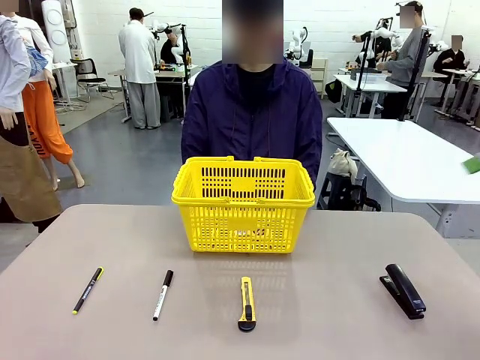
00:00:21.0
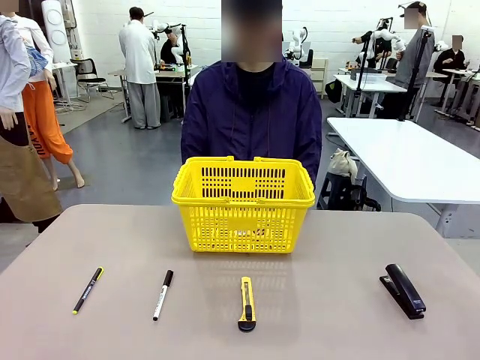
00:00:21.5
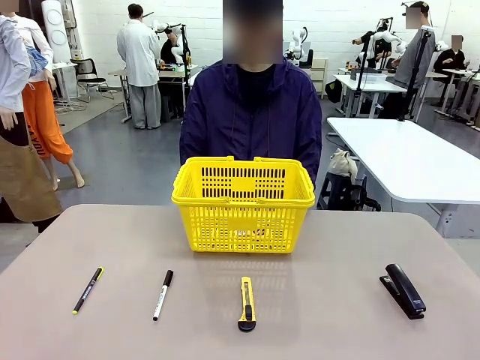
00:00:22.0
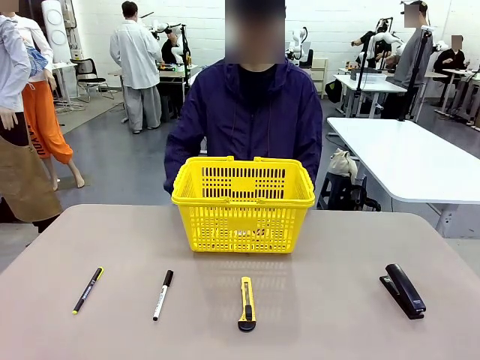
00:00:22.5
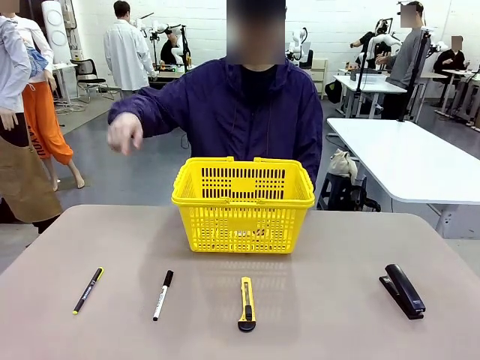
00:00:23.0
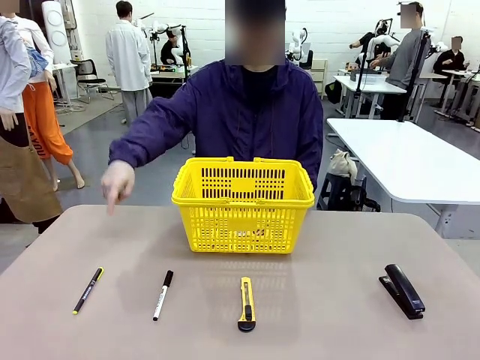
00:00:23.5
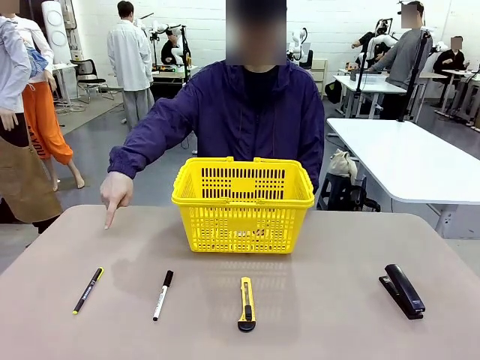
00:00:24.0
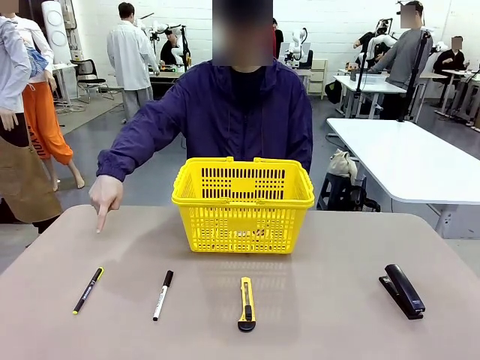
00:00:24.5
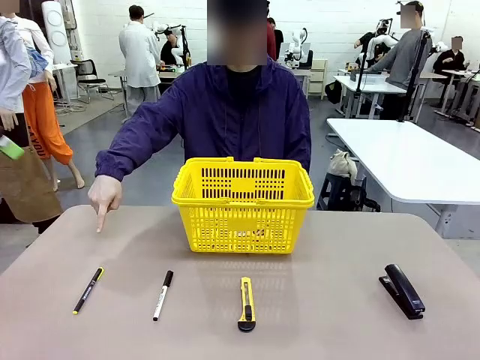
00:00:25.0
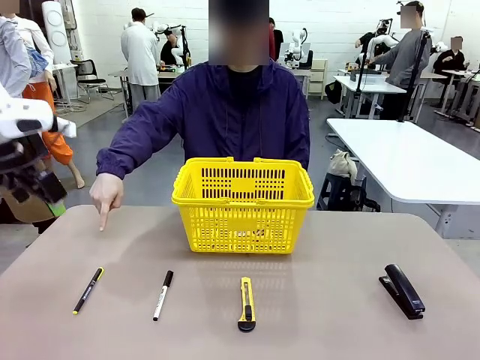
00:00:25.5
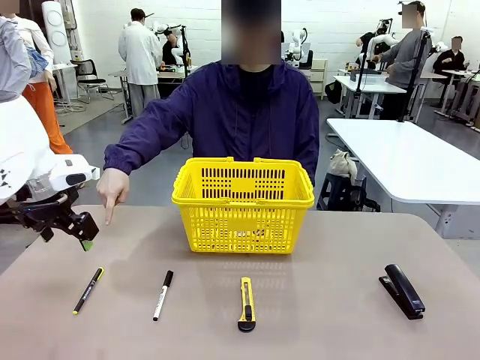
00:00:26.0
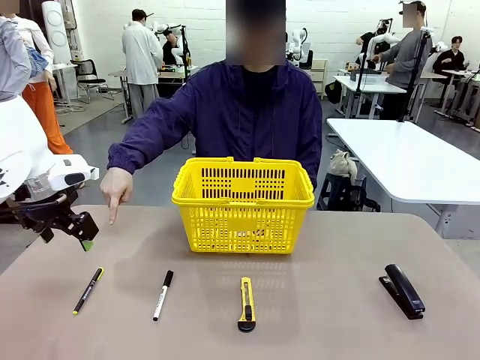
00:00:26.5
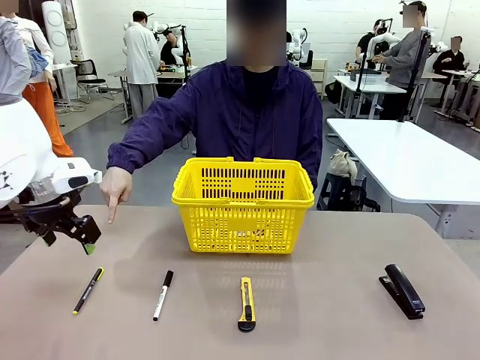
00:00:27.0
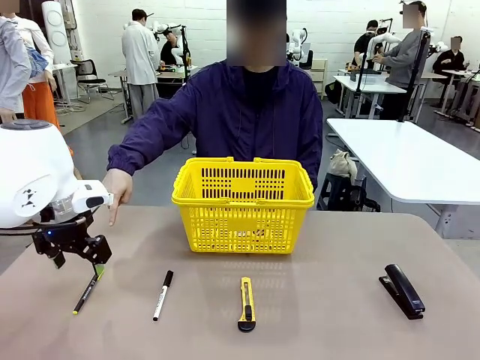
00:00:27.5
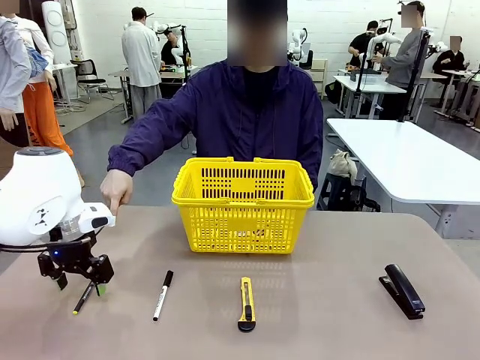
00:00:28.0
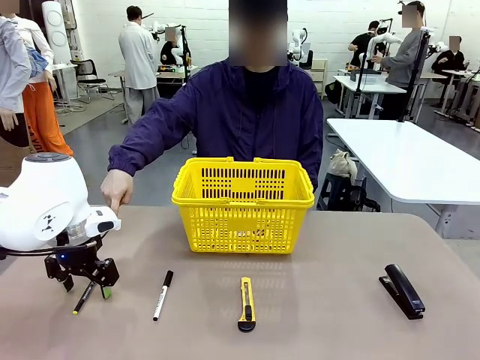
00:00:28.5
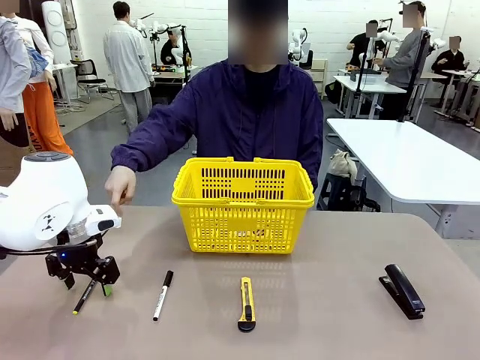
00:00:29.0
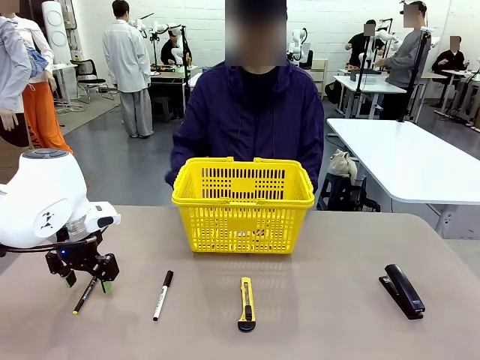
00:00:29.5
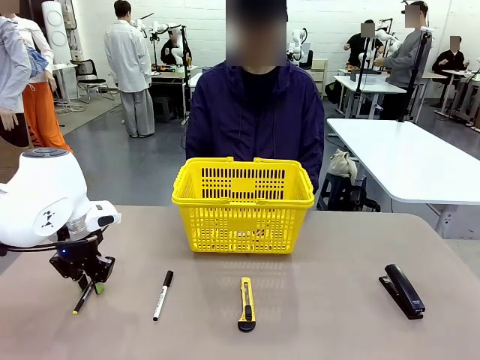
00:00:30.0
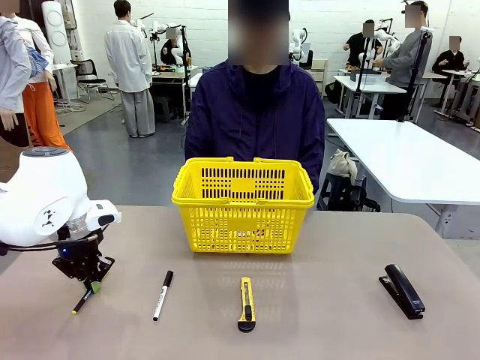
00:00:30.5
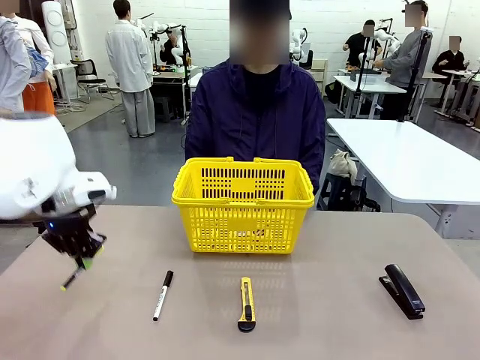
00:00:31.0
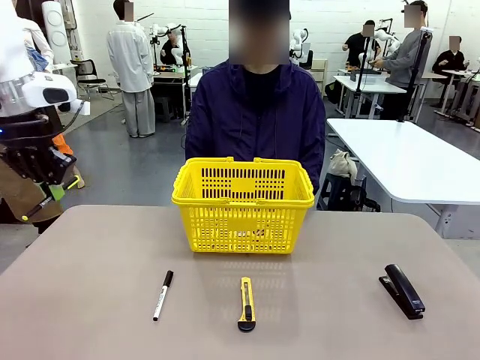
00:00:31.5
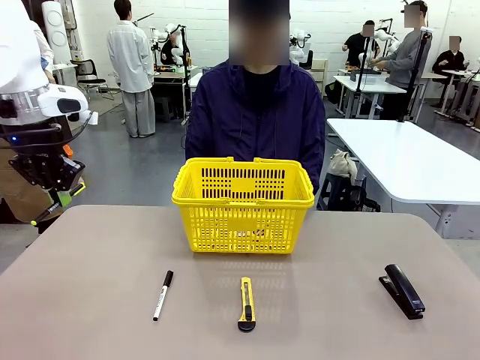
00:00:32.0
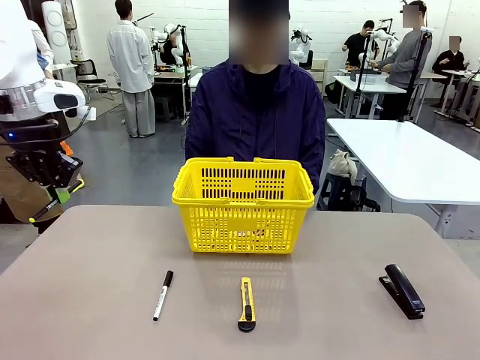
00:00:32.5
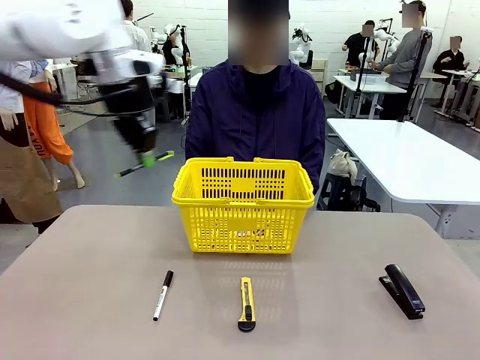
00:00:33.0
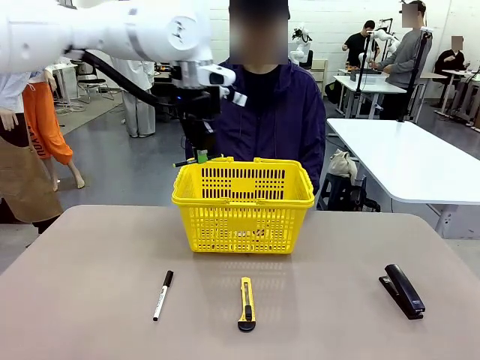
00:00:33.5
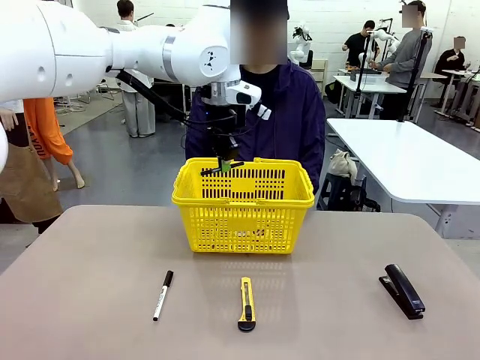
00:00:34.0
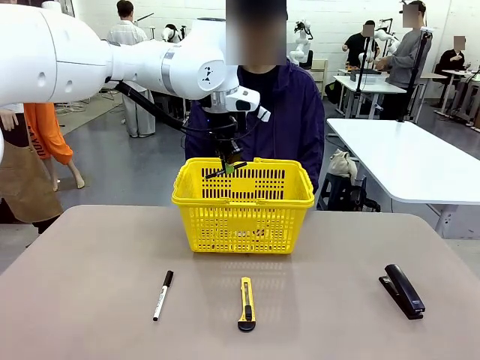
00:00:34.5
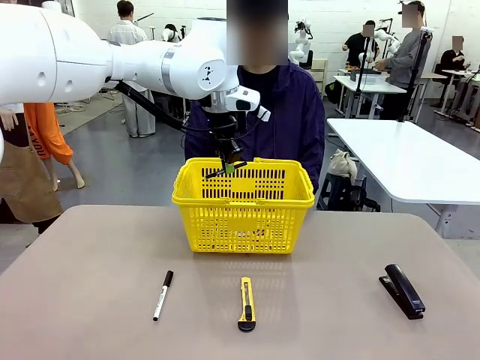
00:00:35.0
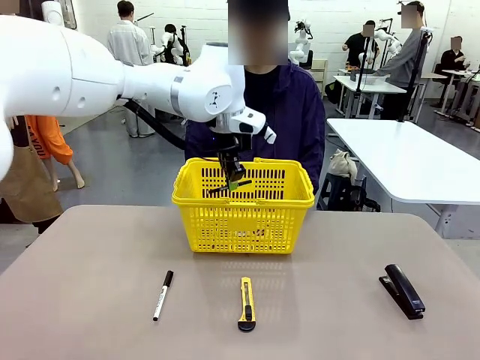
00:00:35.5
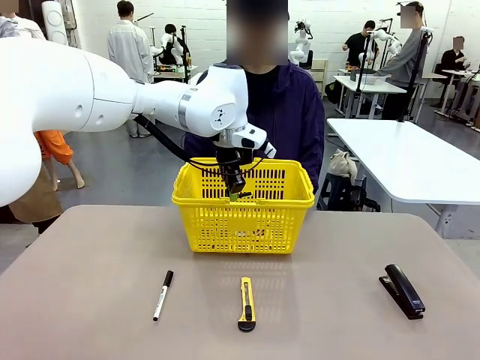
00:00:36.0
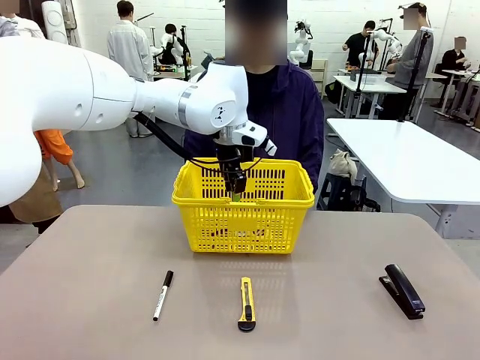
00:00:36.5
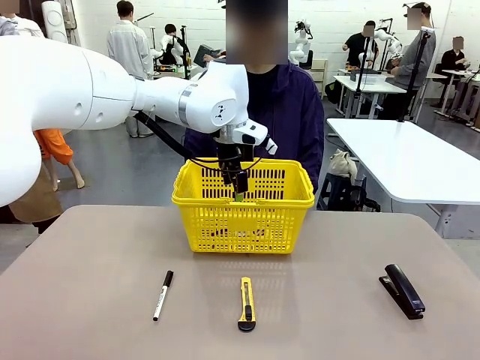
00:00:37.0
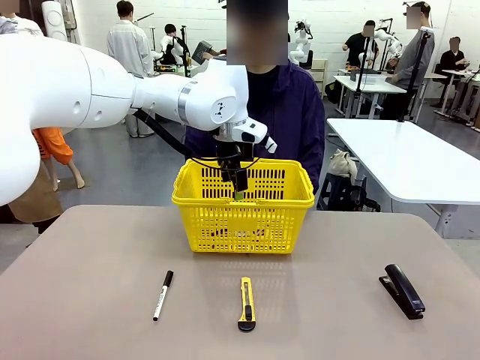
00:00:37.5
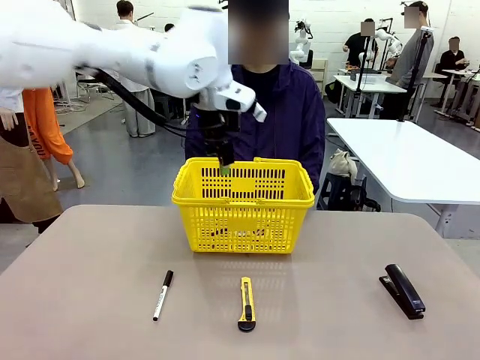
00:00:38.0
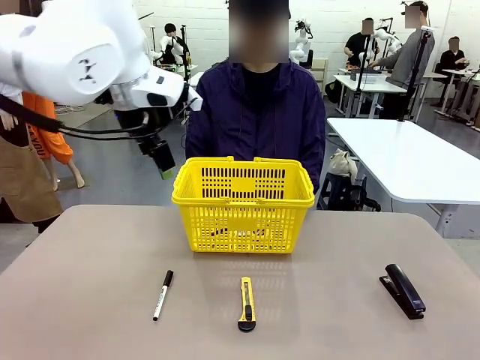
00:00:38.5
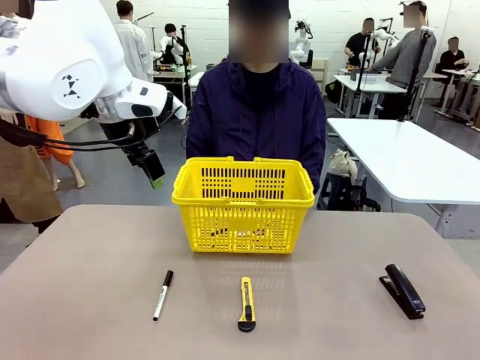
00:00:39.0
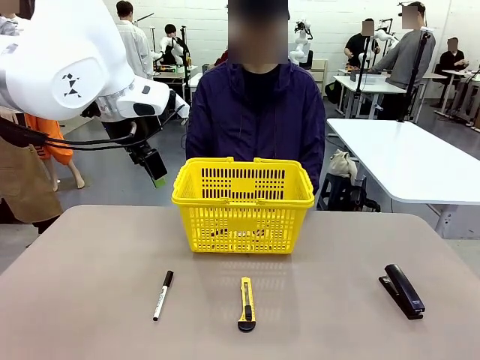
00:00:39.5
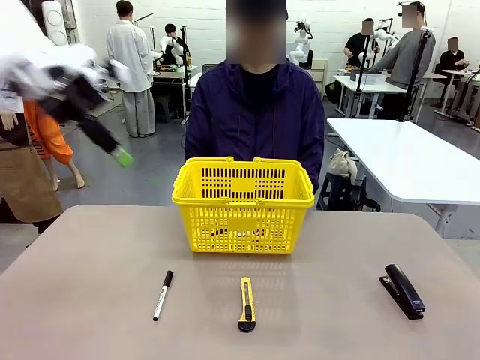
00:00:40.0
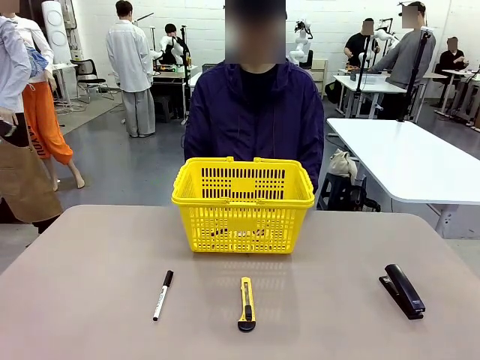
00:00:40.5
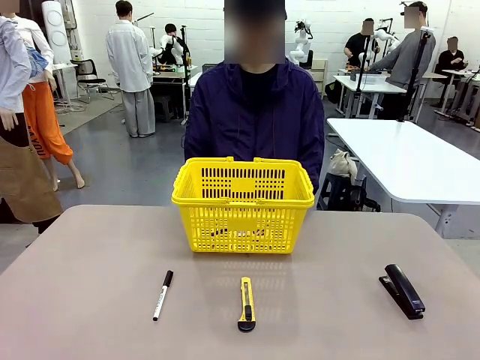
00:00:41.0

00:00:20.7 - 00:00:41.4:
Task: Place the items the person wants into the basket.
Robot: Pick up the item the person points to and place it in the Market Basket.
